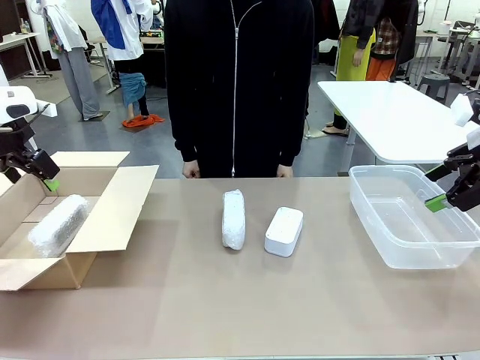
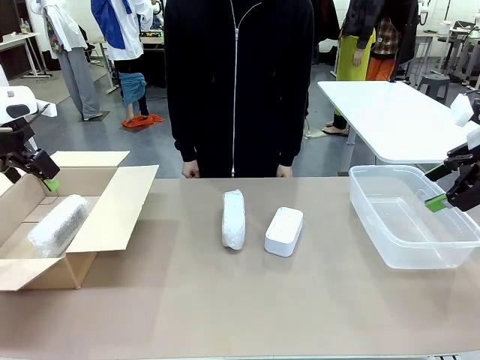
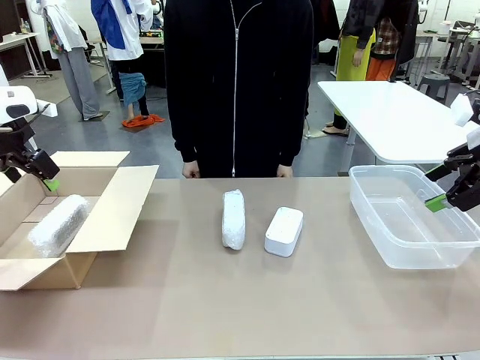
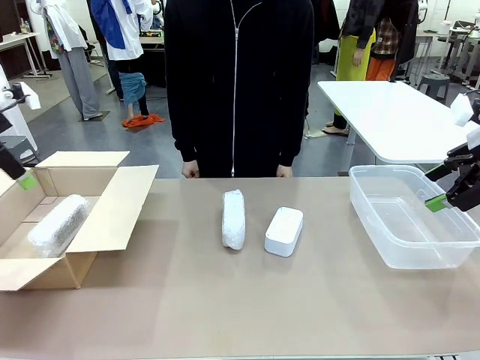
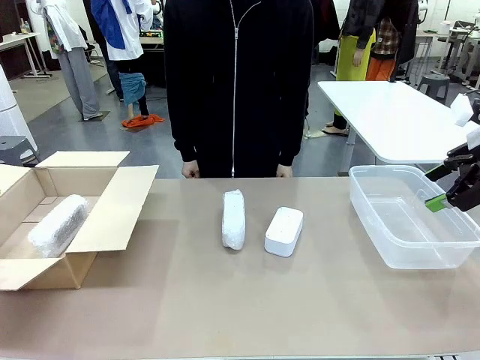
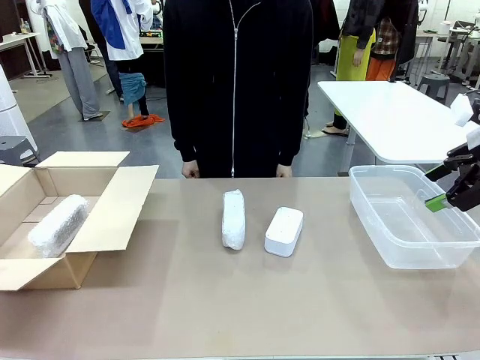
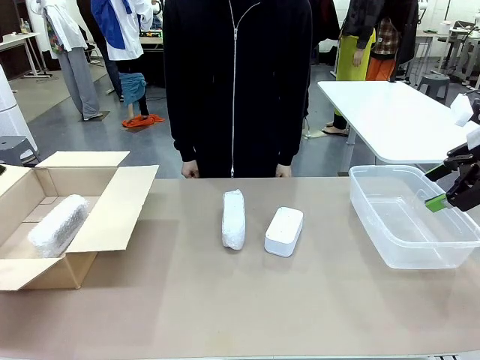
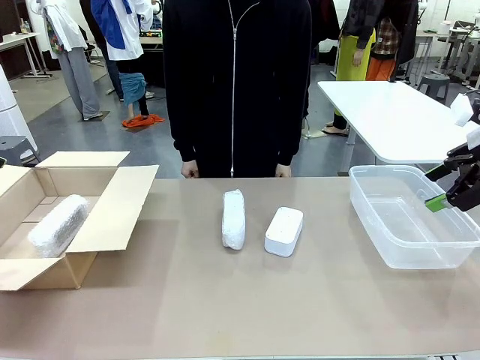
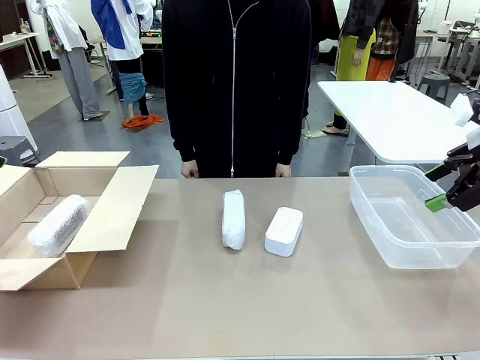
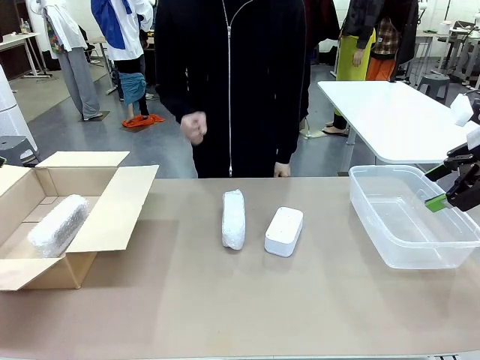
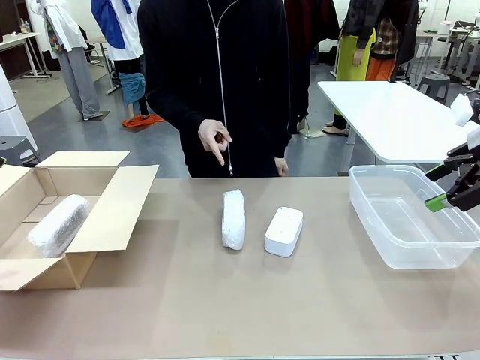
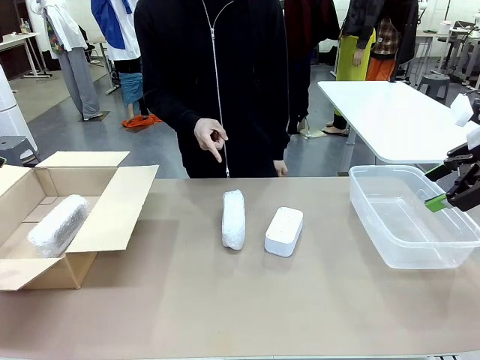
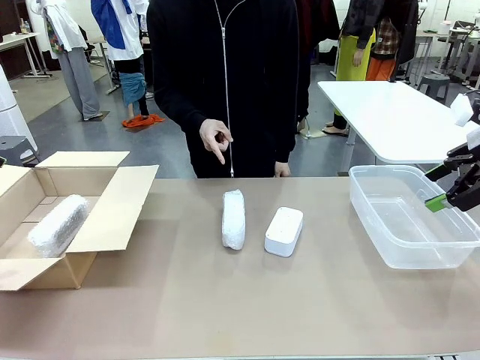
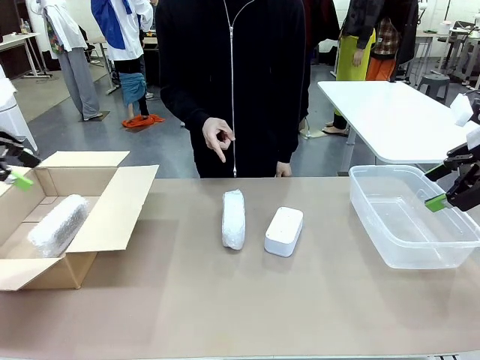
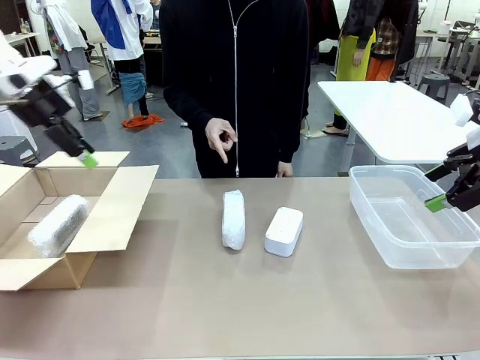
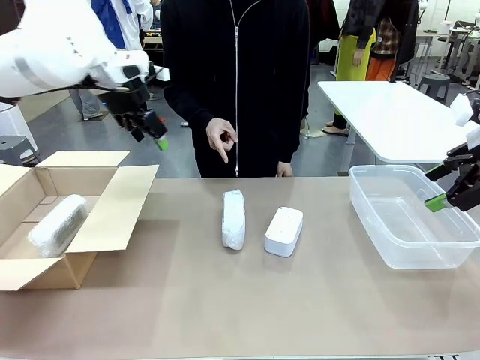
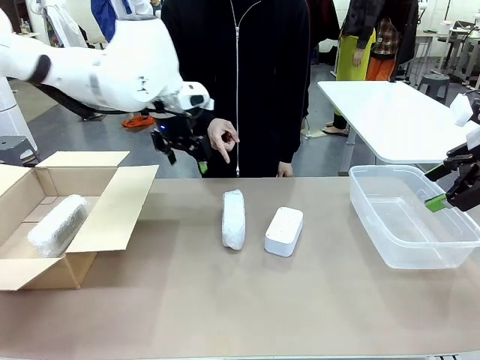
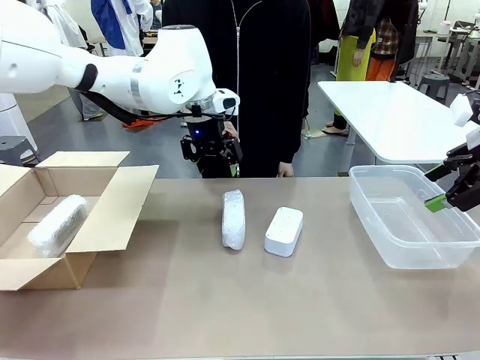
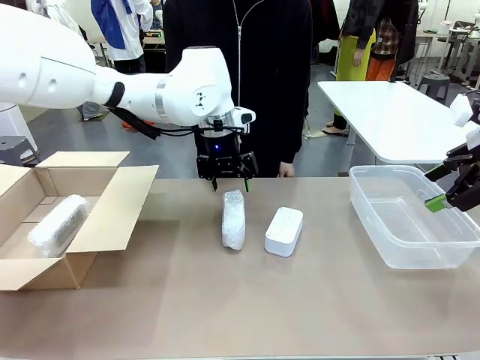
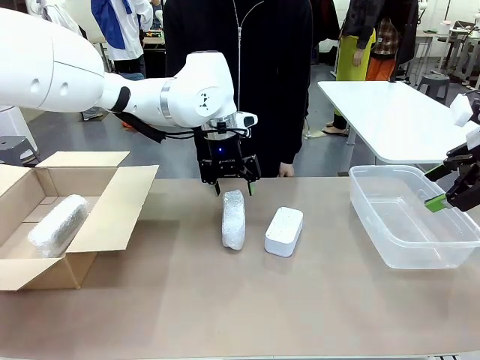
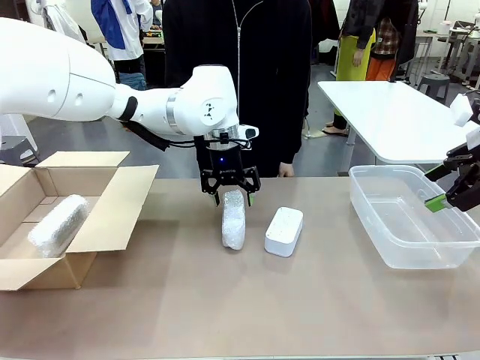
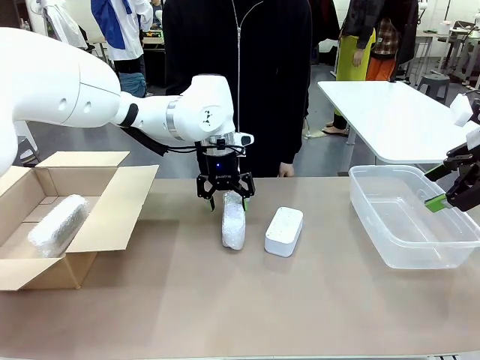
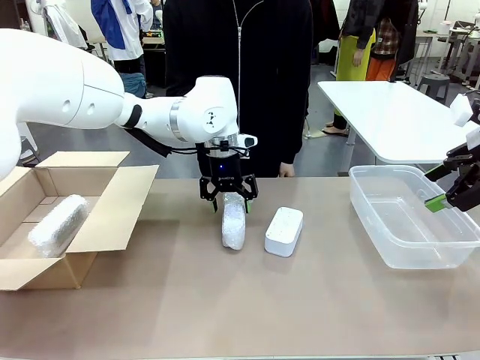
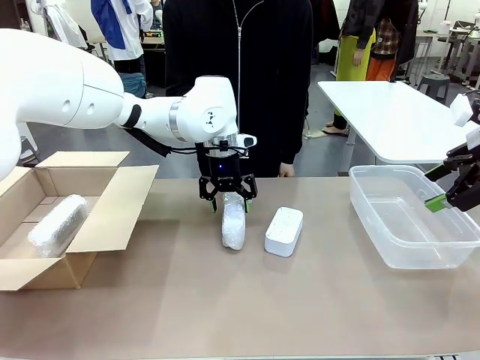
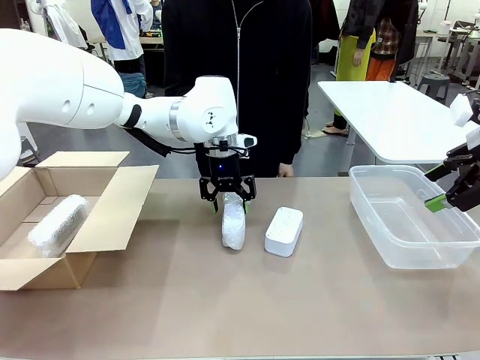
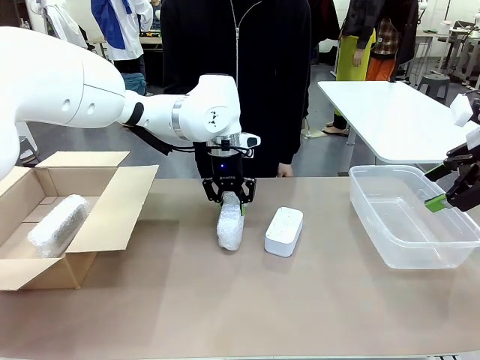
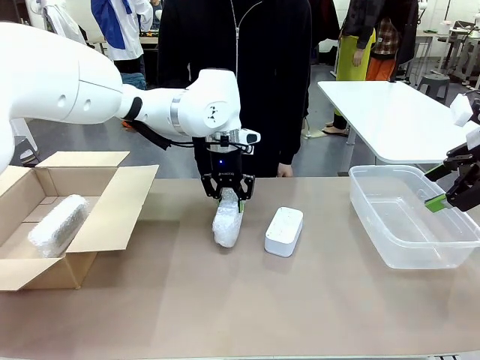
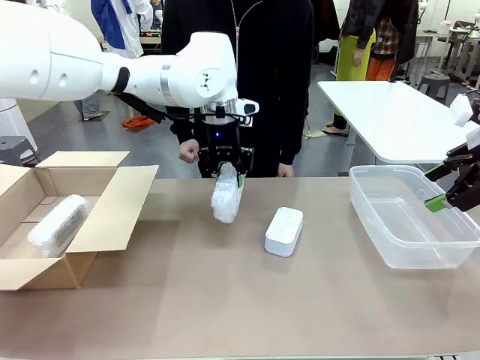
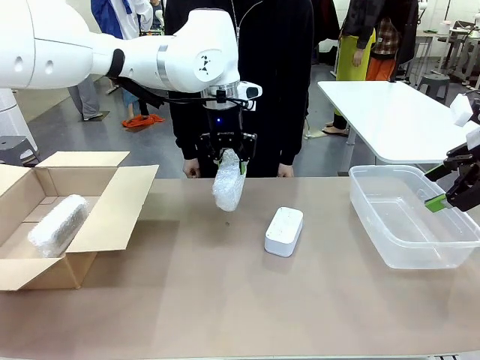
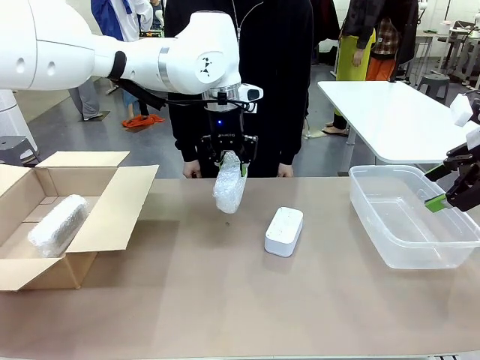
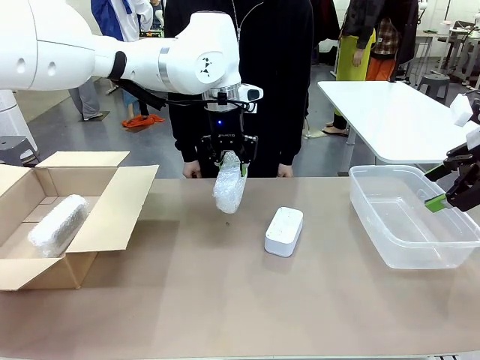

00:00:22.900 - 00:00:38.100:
Task: Separate and place wrapped and unwrapped clocks.
Robot: Pick up the Digital clock indicated by the person.

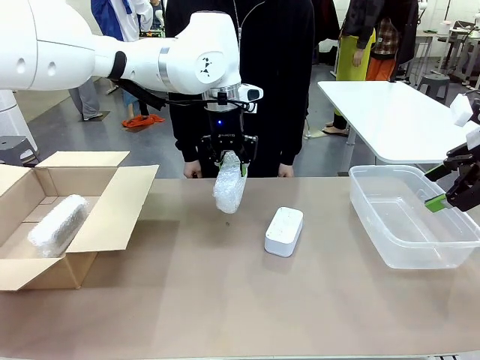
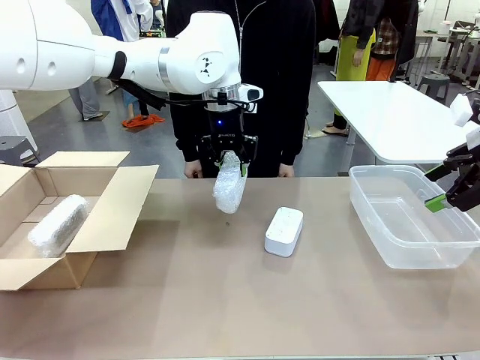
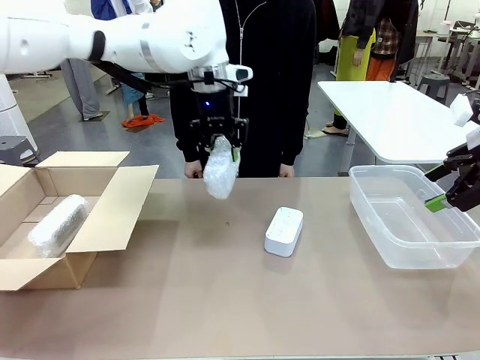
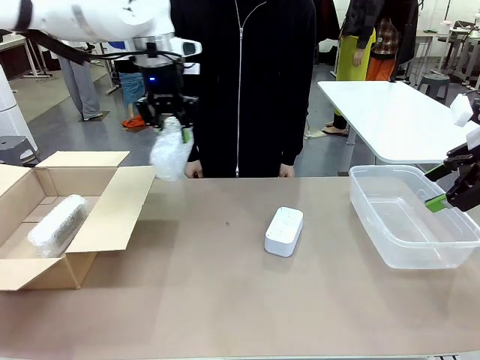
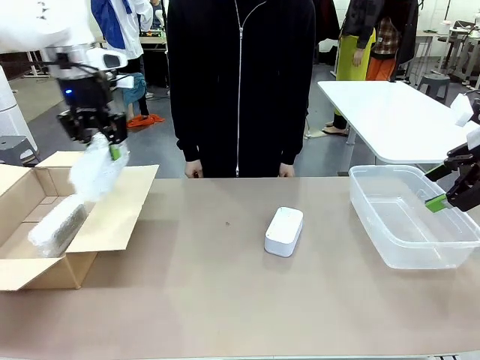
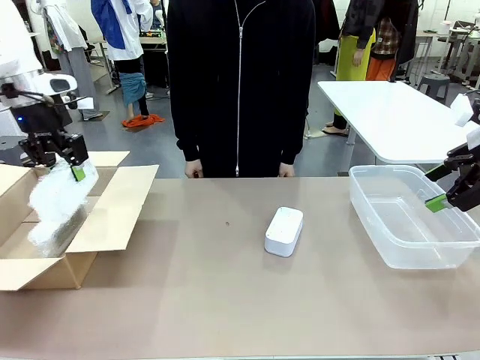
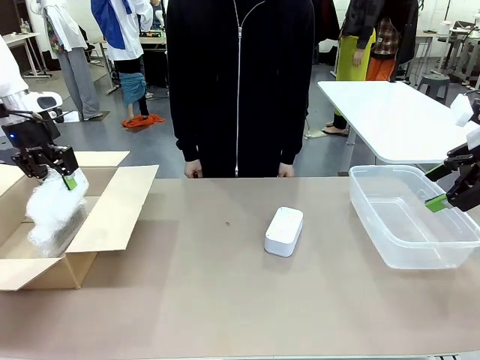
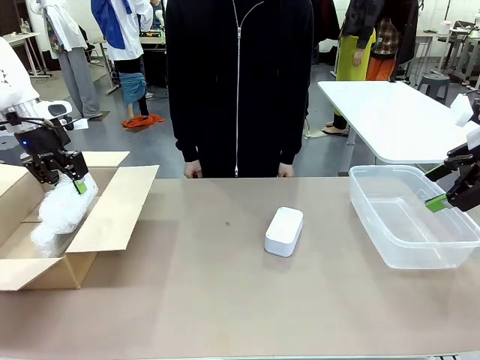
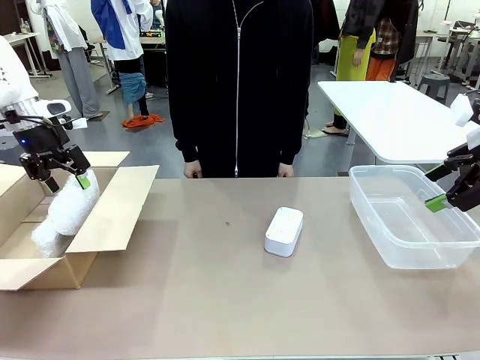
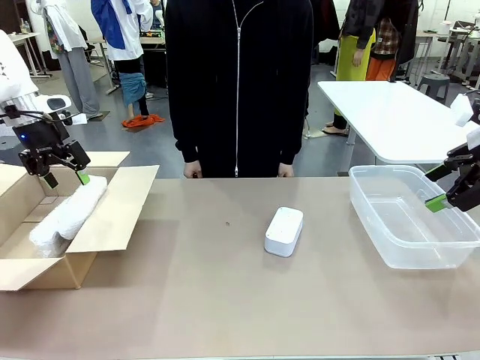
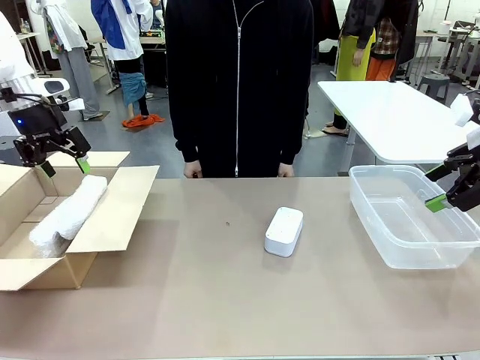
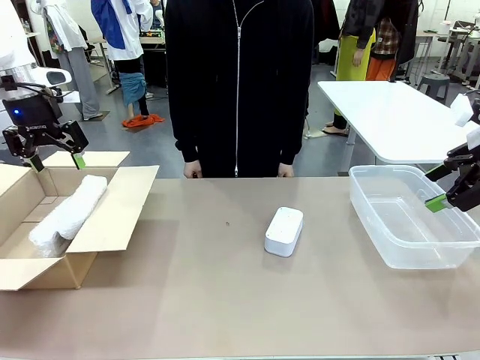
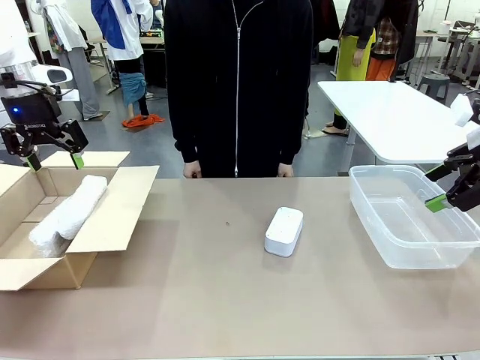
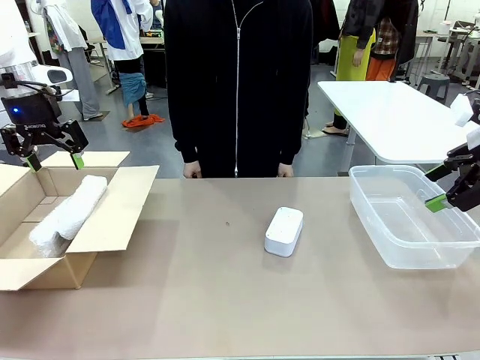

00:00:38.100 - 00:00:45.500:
Robot: If the picked Digital clock is wrapped, place it in the Package Box ; if not, place it in the Organizing box.

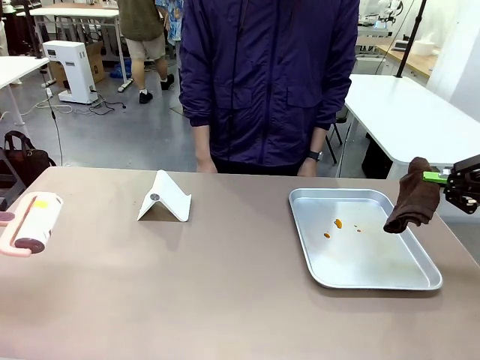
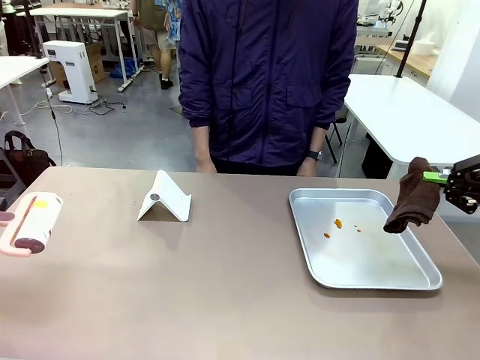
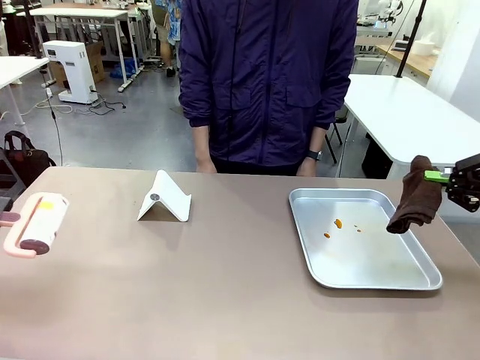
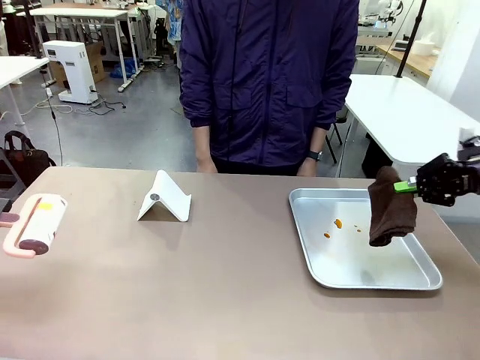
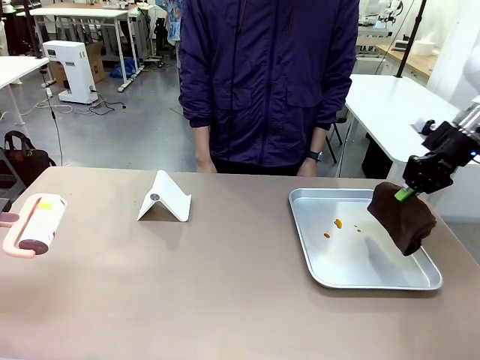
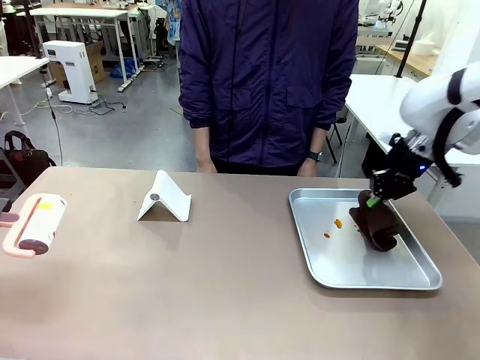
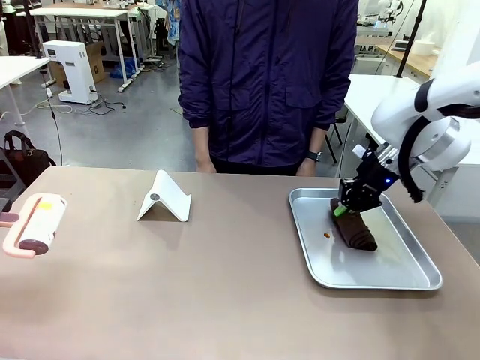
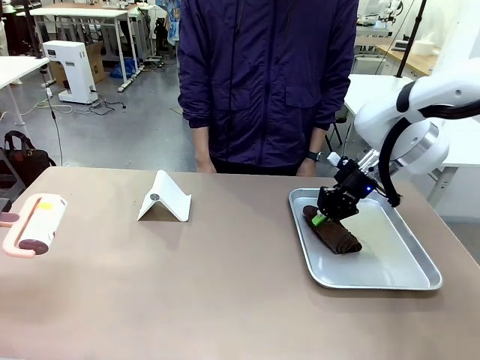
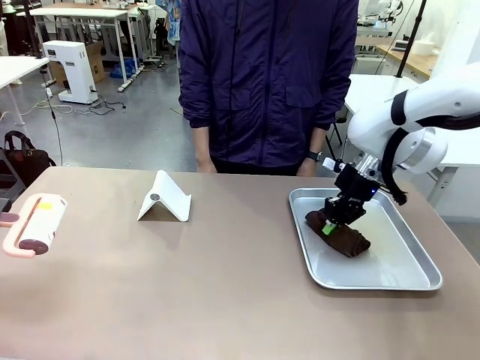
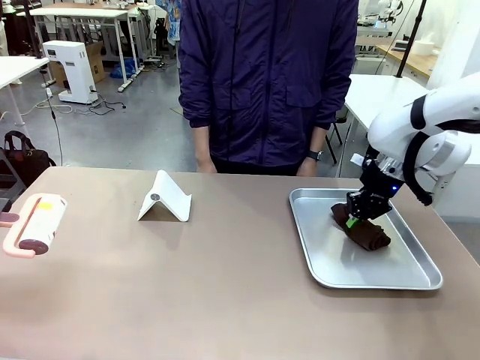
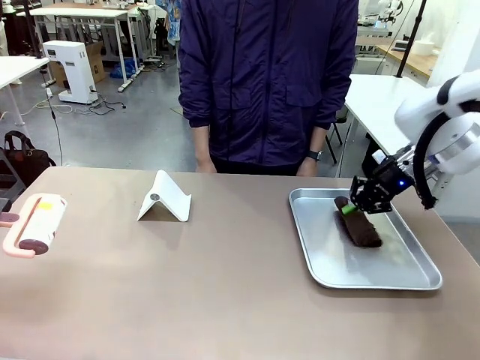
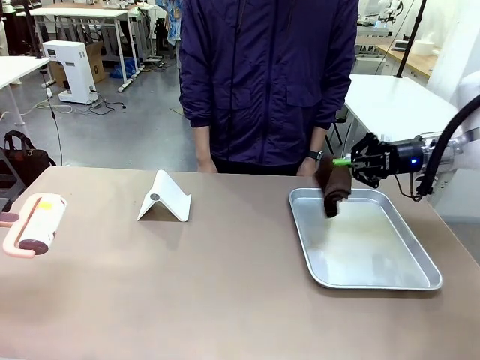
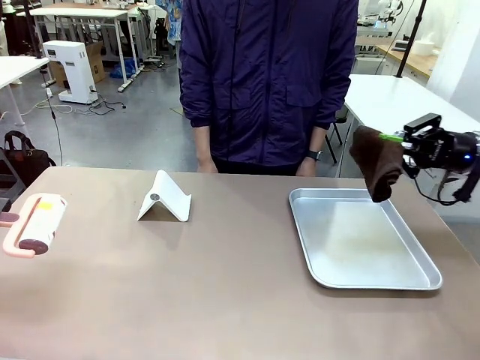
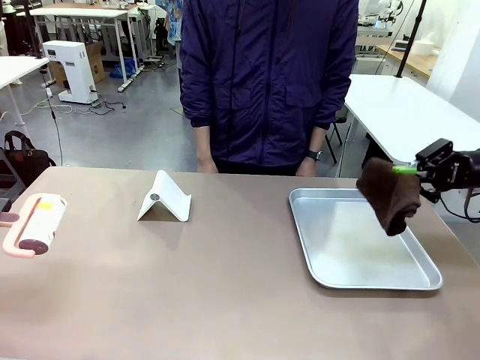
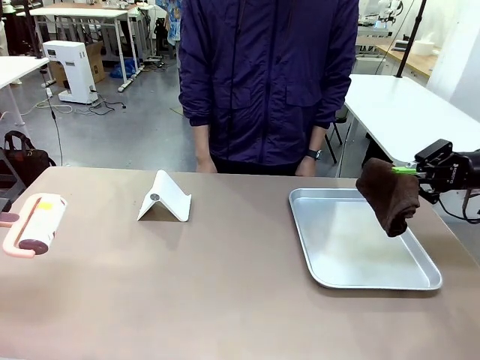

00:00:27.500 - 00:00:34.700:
Task: Clean the surface of the table.
Robot: Clean the area not pointed to by the person.
